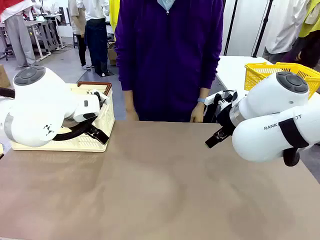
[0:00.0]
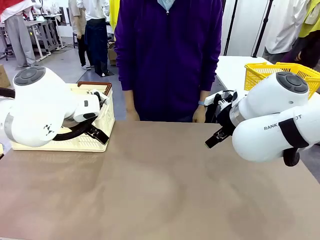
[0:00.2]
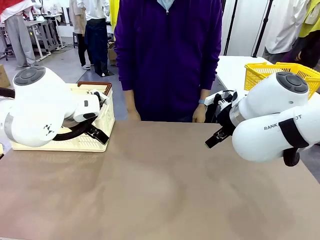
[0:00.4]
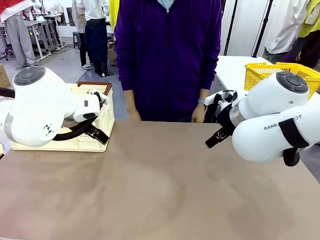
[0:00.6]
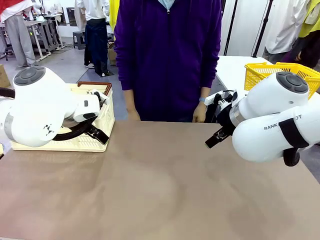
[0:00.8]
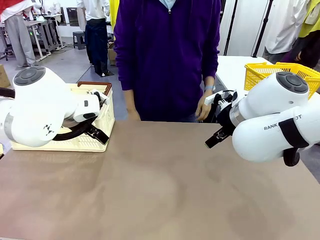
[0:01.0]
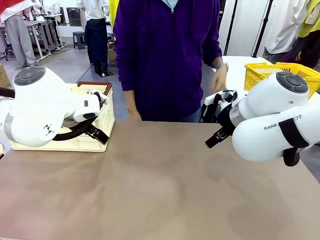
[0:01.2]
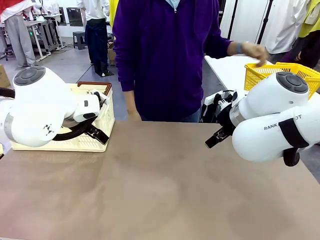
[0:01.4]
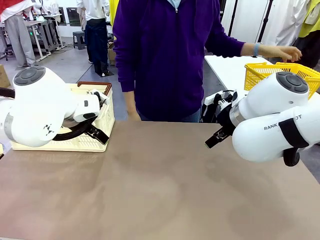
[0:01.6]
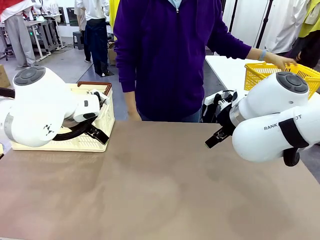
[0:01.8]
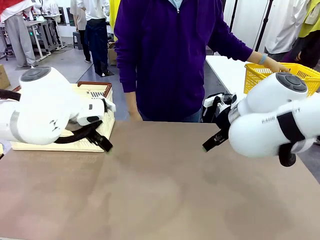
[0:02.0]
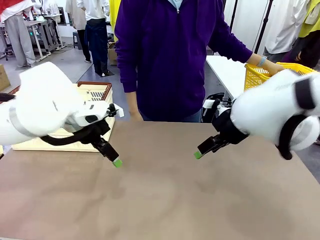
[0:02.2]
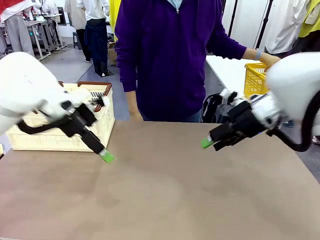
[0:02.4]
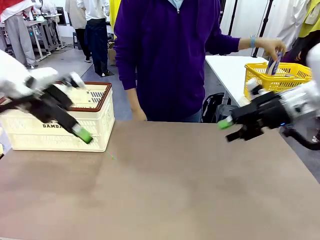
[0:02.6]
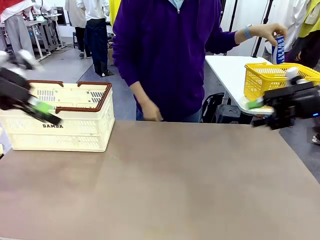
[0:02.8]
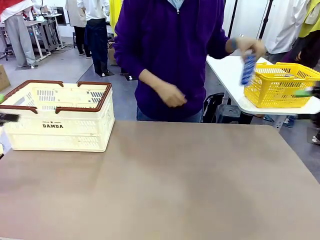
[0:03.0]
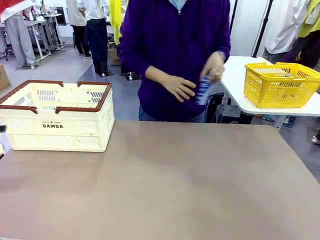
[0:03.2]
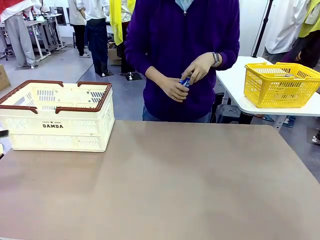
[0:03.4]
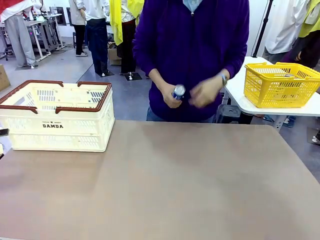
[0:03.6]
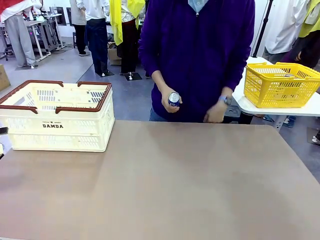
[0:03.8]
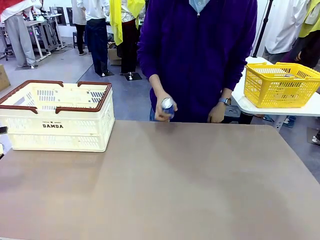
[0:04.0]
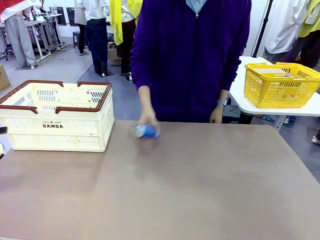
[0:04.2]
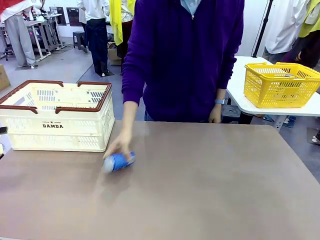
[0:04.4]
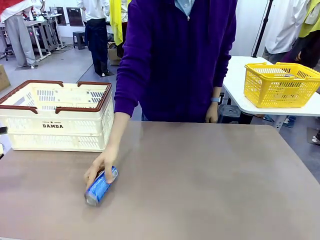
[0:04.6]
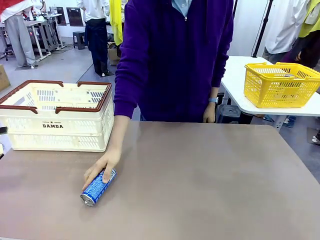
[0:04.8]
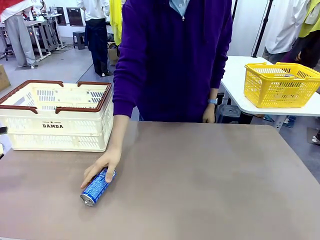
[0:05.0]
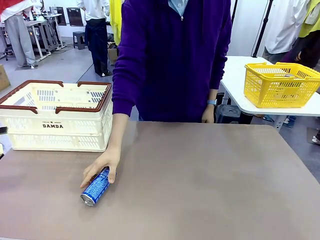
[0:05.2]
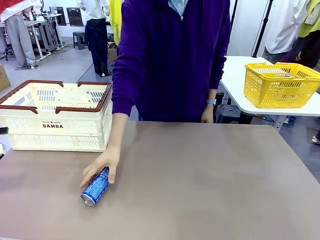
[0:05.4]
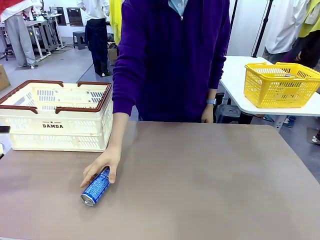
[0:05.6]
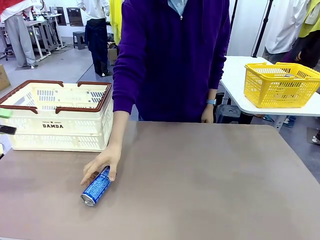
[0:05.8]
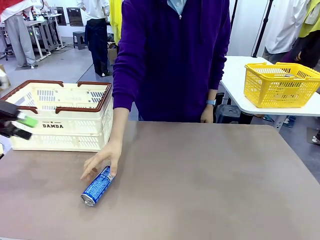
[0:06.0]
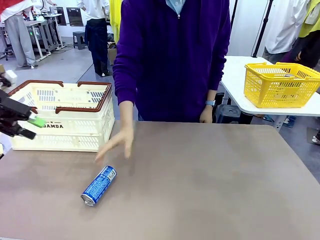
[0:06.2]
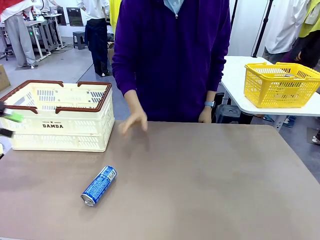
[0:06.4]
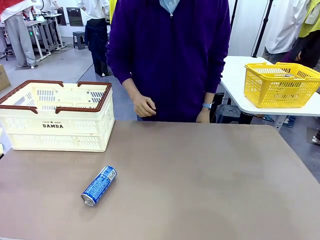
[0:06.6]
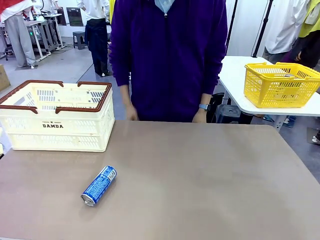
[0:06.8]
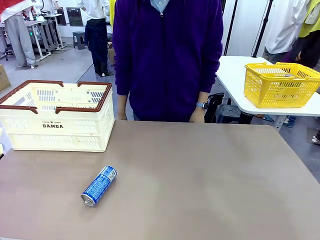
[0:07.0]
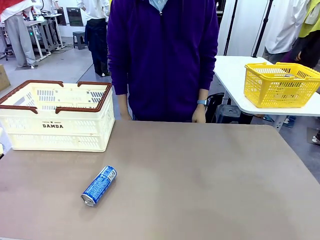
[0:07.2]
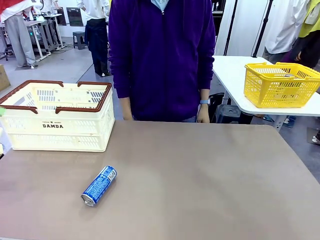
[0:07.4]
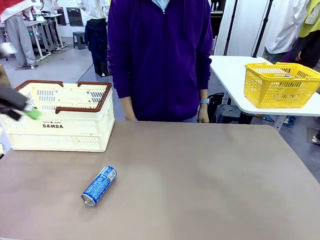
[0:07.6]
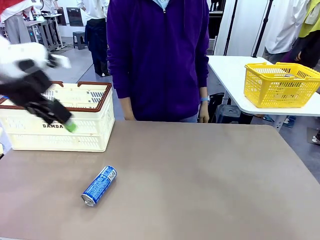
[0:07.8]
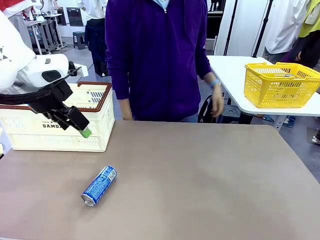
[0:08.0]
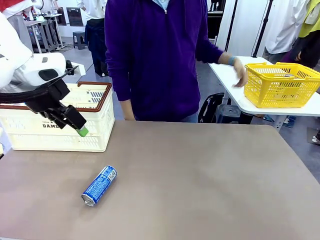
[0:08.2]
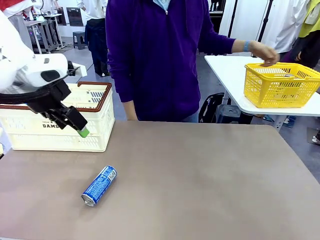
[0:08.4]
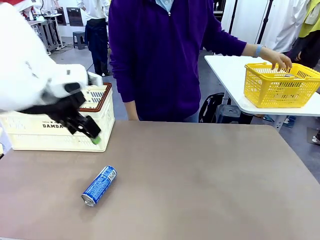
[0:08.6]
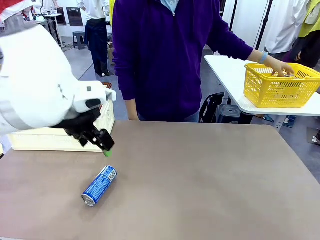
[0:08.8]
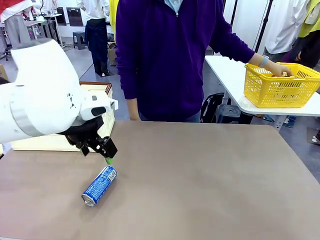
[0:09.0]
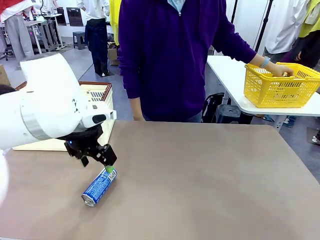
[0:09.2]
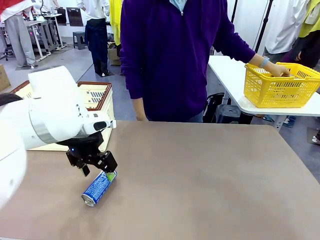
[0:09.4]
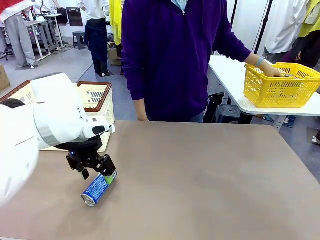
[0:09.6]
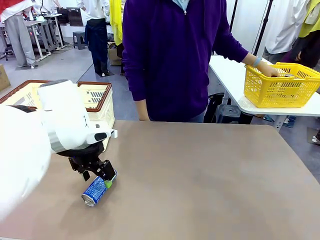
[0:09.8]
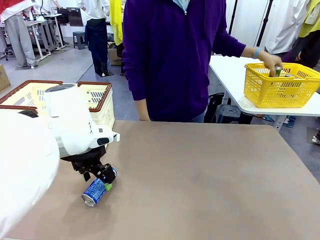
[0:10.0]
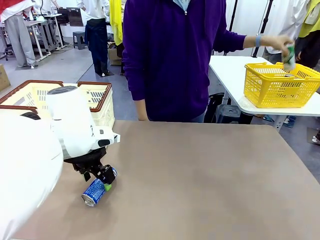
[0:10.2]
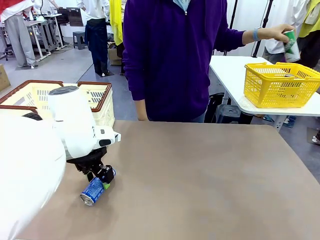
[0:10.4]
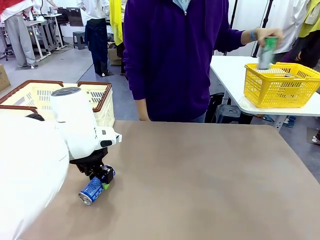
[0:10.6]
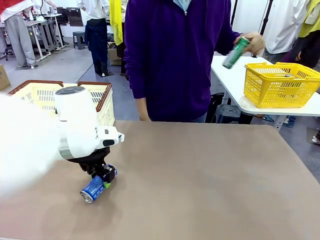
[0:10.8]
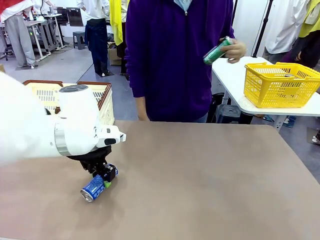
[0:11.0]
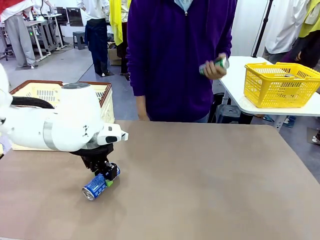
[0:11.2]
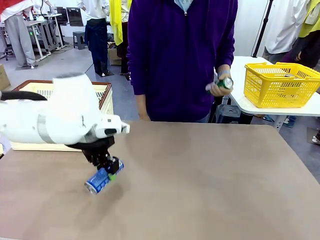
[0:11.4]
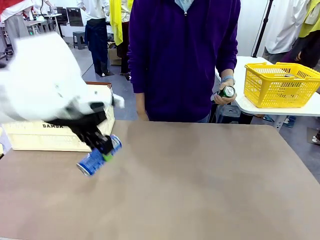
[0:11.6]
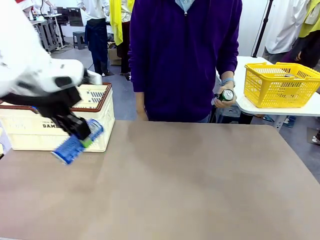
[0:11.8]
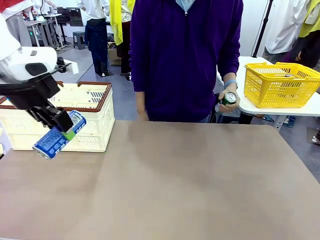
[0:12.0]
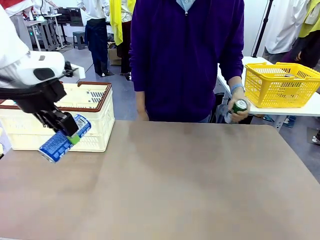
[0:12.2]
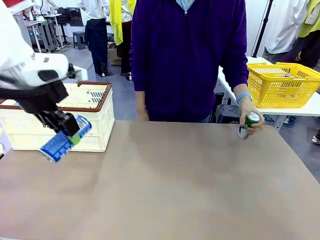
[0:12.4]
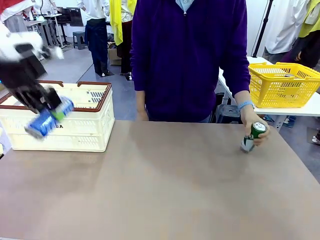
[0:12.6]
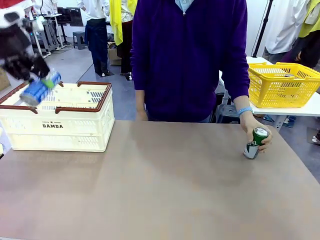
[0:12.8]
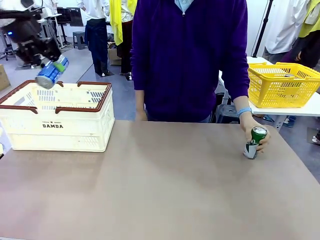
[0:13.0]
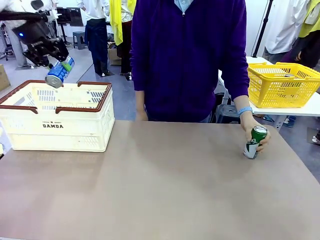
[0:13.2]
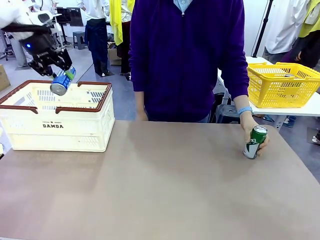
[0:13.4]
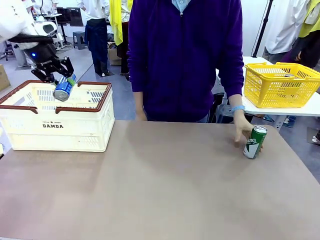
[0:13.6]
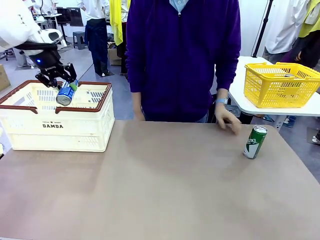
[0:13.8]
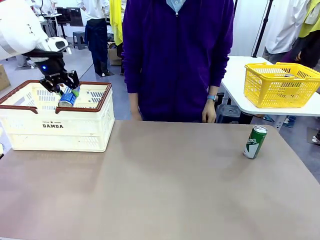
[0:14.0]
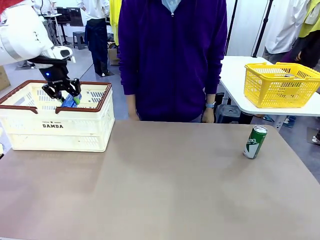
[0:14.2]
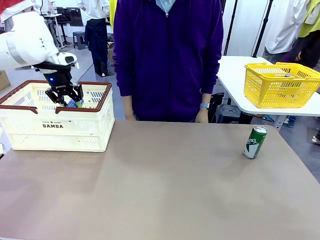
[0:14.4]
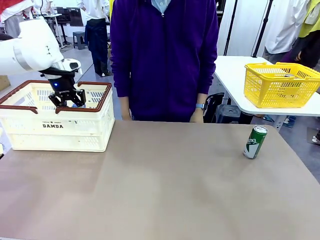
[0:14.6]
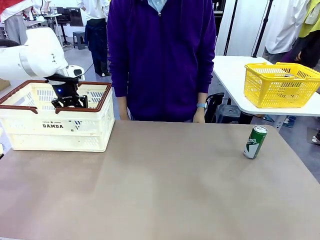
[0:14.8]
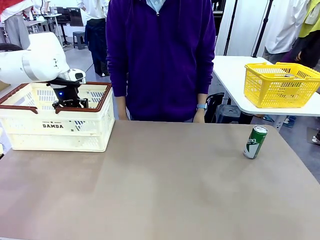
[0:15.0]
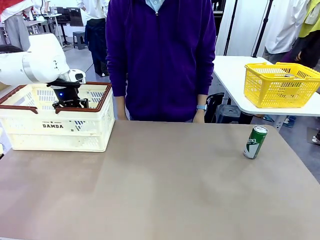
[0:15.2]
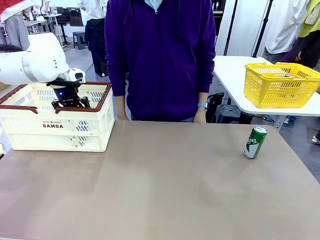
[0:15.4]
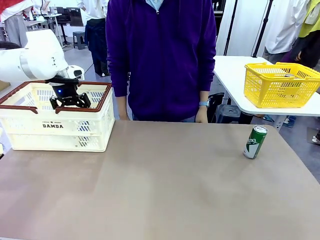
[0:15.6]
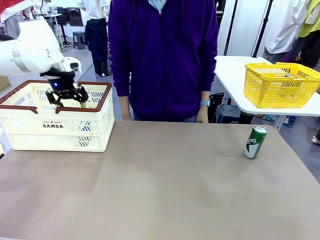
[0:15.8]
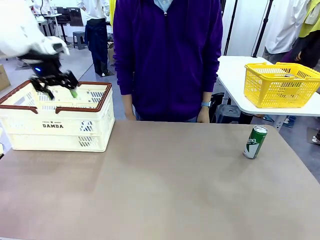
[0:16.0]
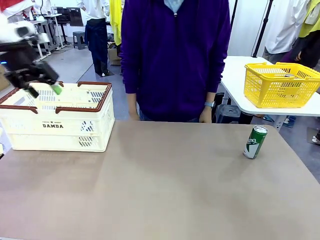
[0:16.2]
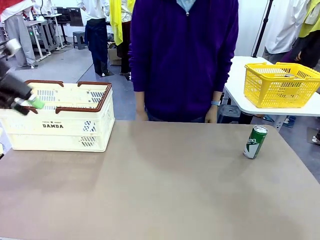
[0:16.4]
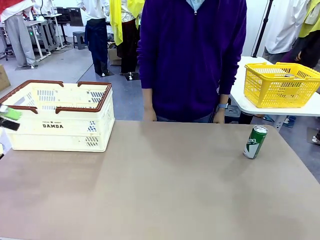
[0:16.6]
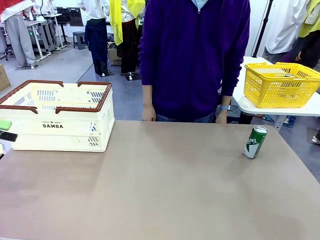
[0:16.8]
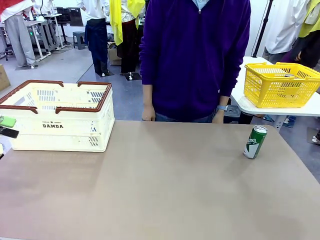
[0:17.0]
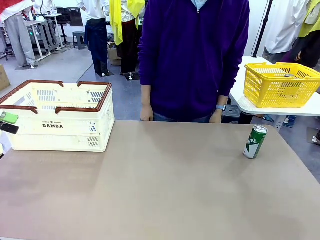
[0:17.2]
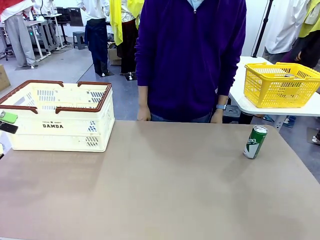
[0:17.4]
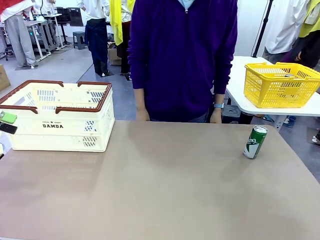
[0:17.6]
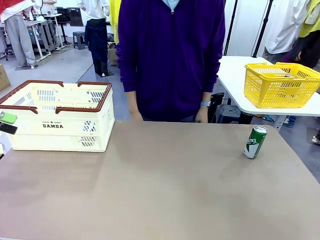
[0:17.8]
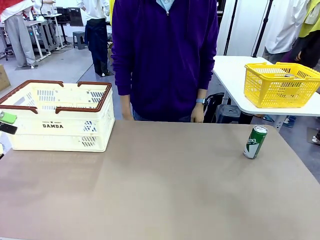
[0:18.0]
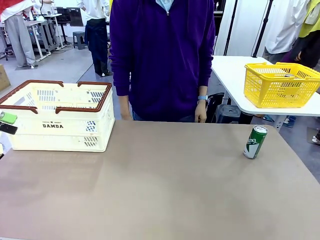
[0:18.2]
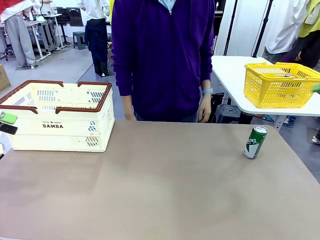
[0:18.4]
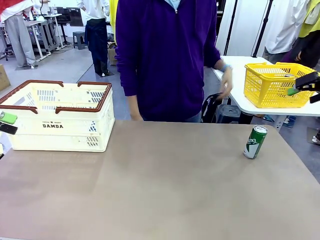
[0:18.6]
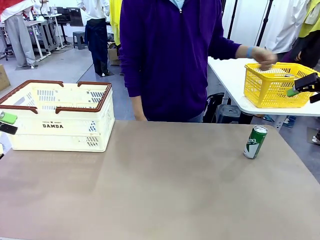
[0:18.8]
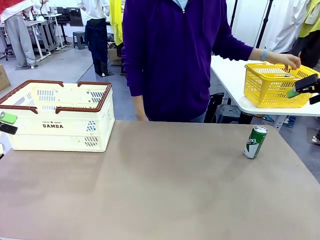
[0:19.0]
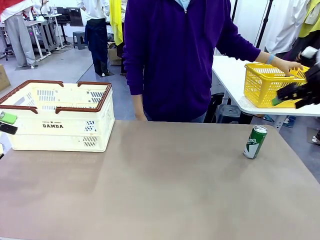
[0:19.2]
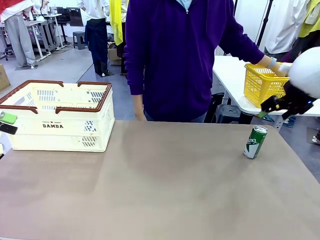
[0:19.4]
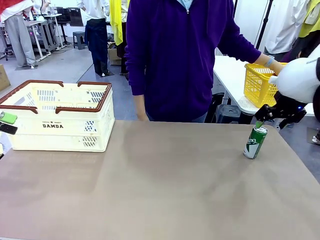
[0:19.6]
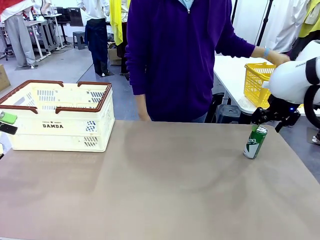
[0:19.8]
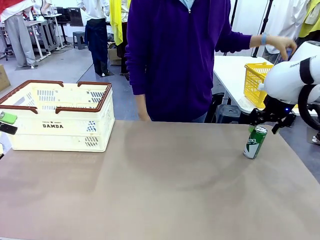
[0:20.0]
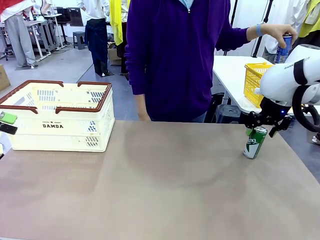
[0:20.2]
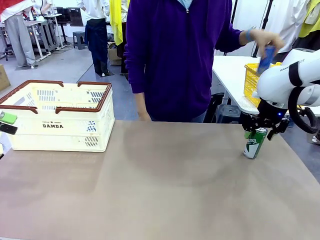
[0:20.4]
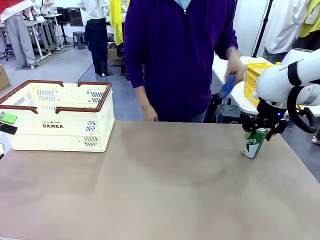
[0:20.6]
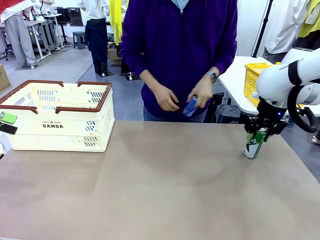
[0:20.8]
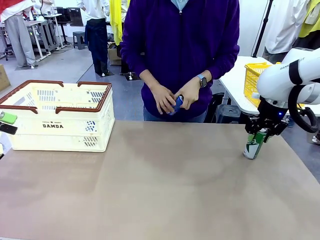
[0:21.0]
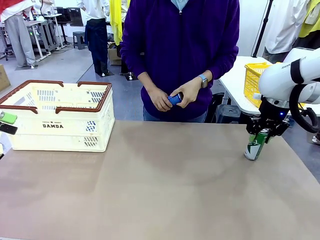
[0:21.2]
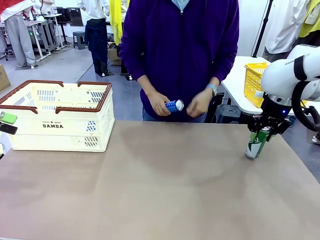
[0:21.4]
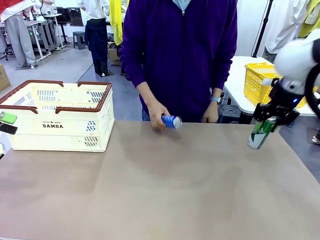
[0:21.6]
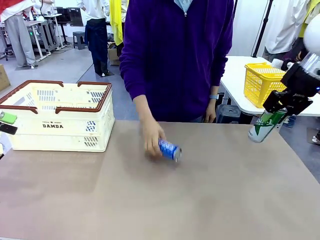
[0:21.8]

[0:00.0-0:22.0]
Task: Place the drinks into the Shopping basket.
Robot: Pick up one drink and place it into the Shopping basket.
